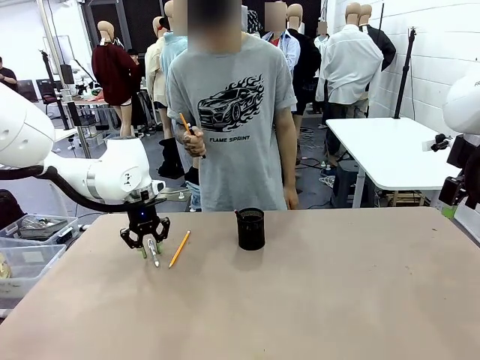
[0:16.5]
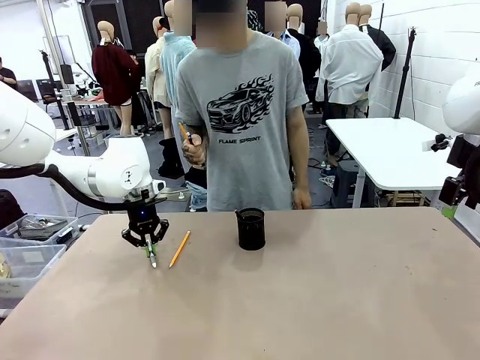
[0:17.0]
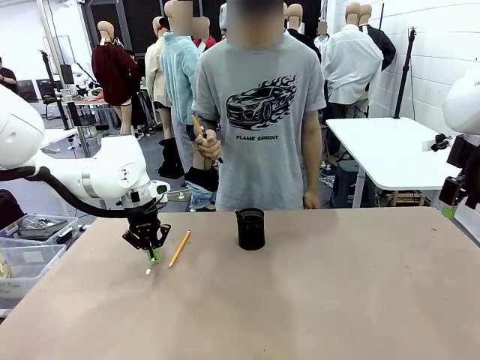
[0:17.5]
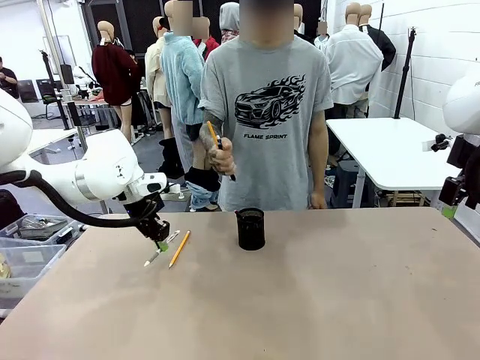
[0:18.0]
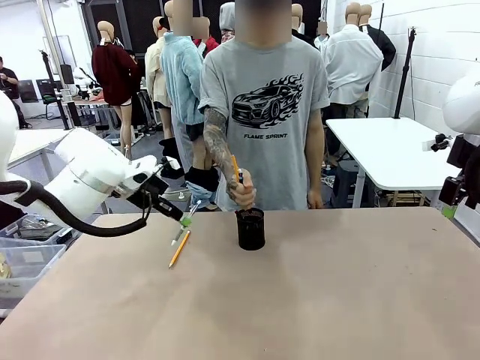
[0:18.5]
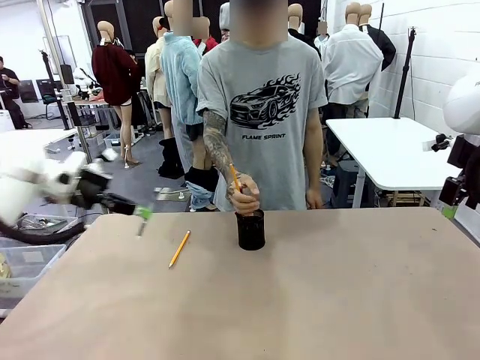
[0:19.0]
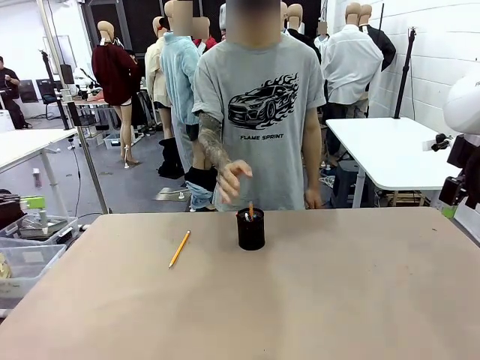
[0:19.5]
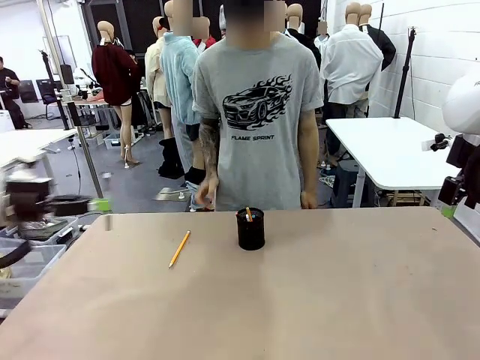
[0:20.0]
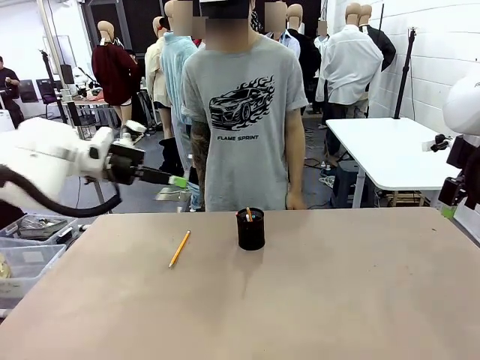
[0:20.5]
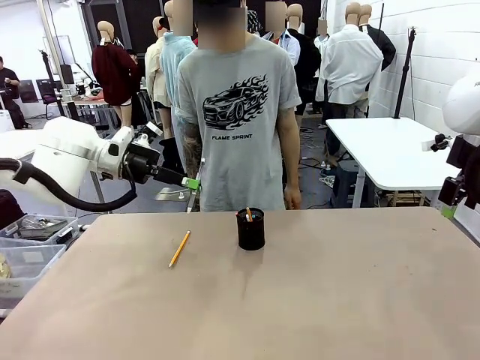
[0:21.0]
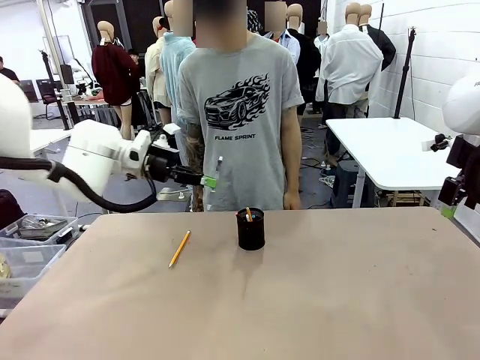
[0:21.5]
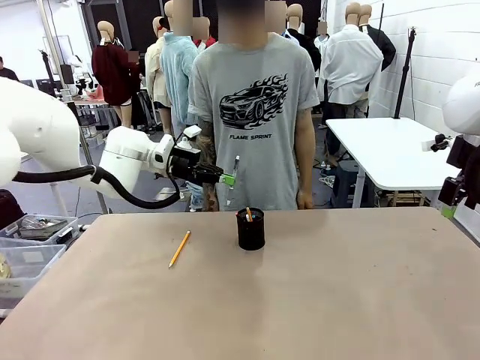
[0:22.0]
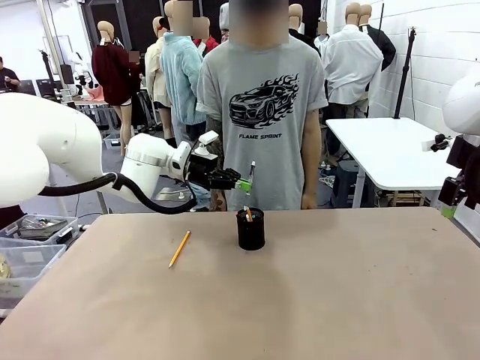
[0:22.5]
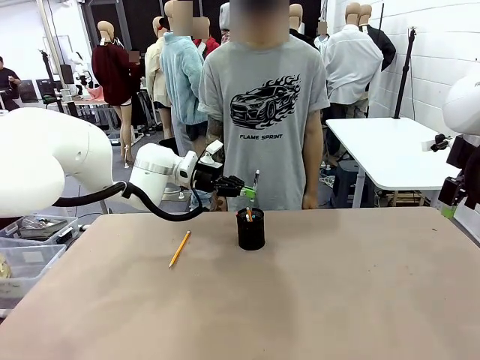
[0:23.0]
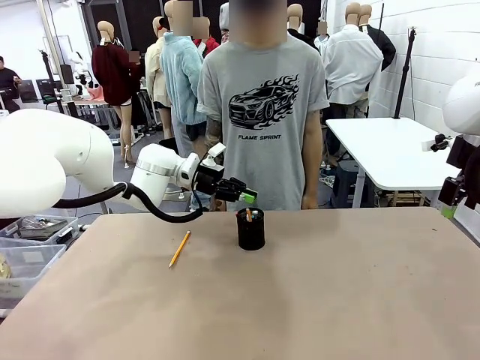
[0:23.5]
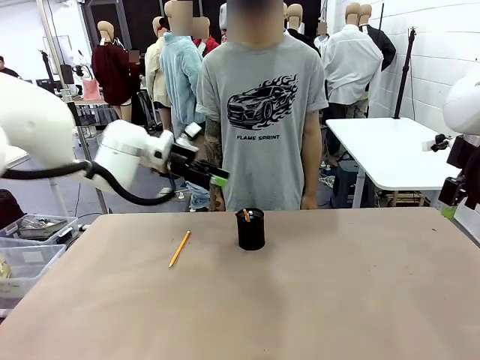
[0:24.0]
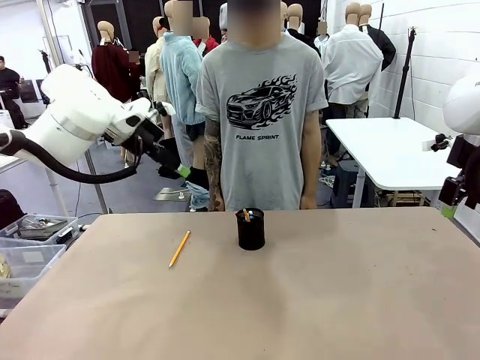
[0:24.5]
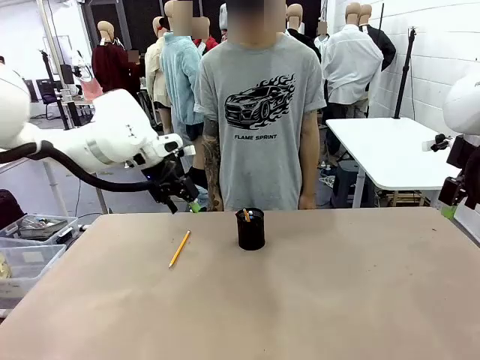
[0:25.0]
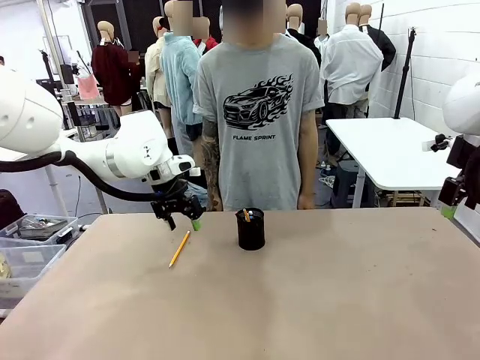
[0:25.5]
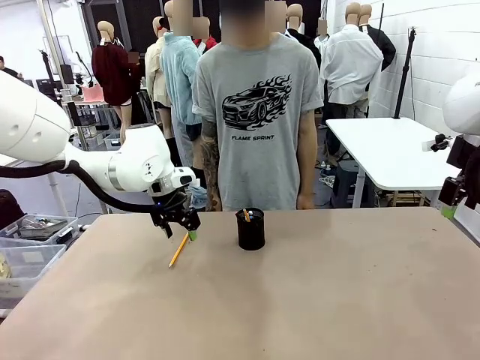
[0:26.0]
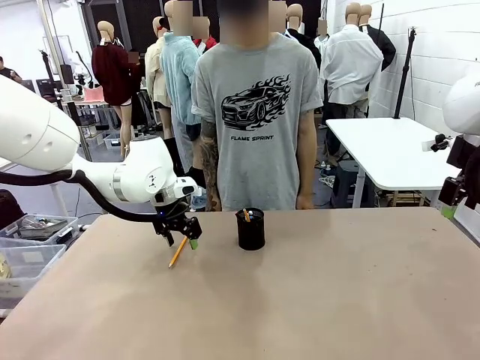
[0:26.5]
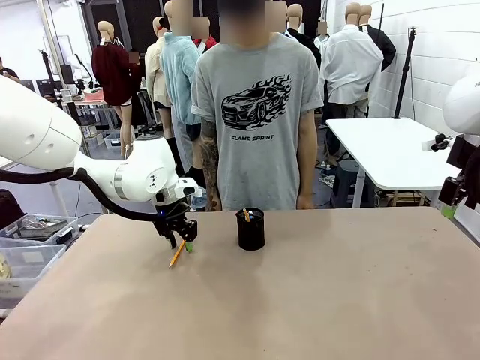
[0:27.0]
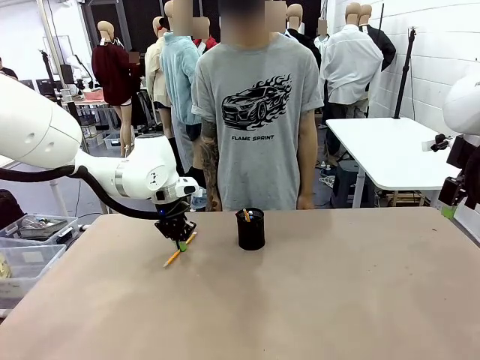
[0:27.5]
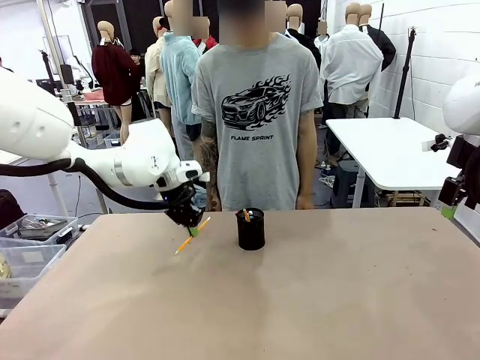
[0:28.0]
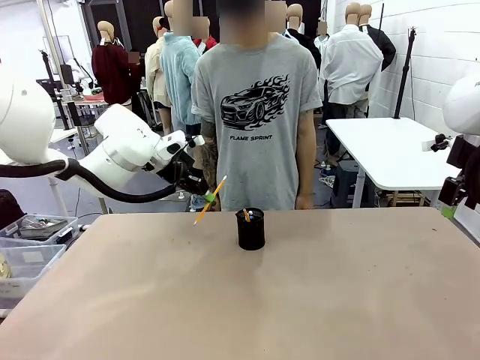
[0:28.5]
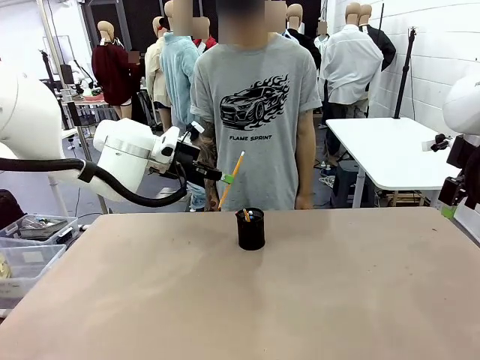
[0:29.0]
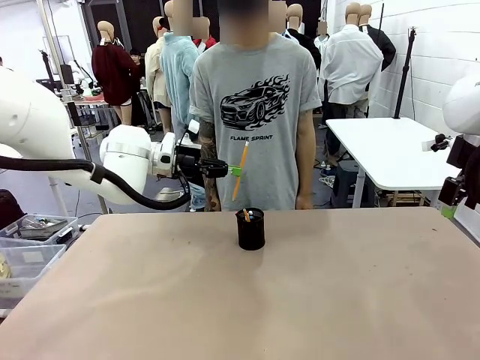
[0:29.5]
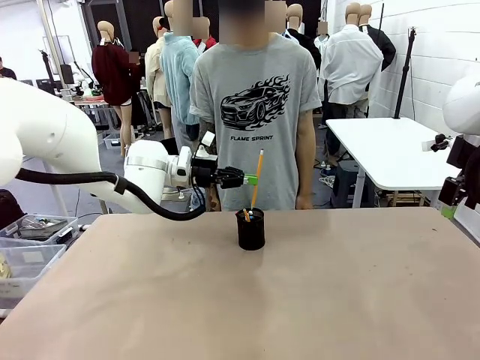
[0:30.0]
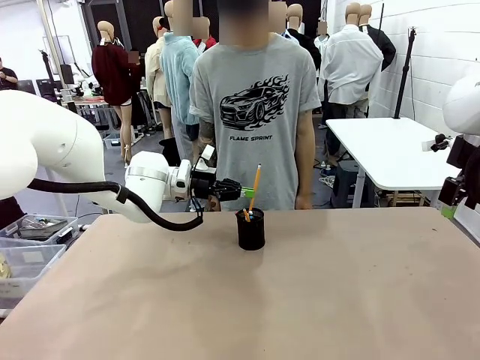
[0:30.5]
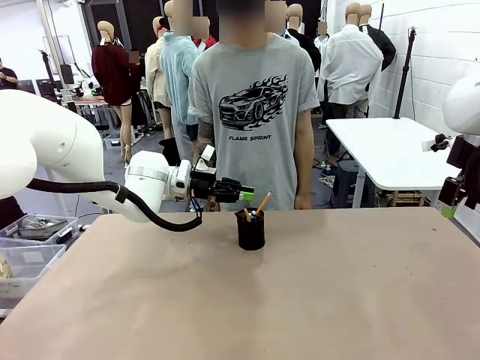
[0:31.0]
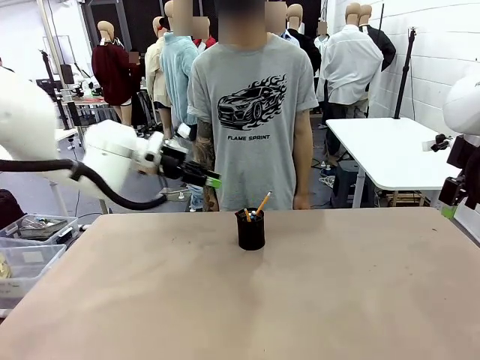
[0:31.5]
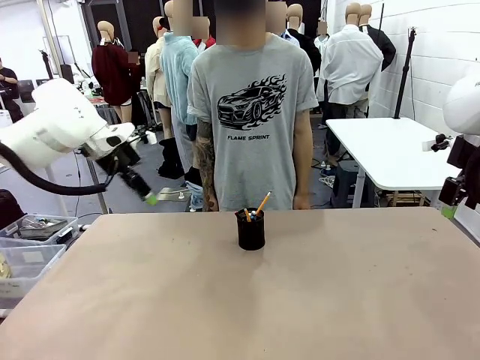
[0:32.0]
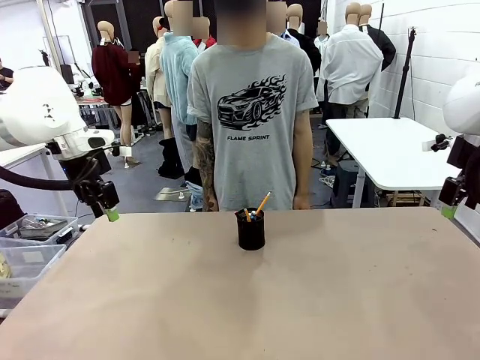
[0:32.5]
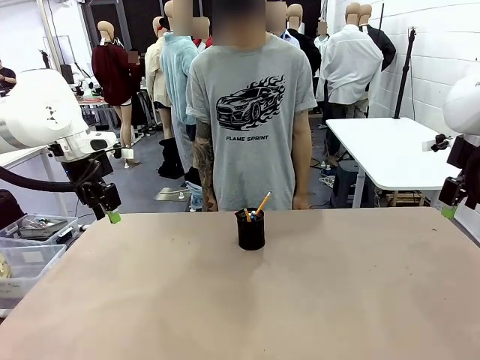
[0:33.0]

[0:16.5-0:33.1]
Task: Place the pens into the pen holder.
Robot: Pick up a writing instrument from the table and place it into the Pen holder.
Person: Place all writing instrument into the Pen holder.

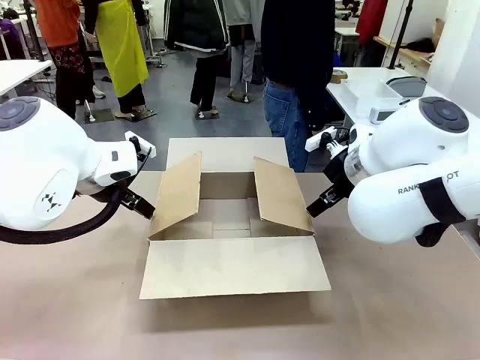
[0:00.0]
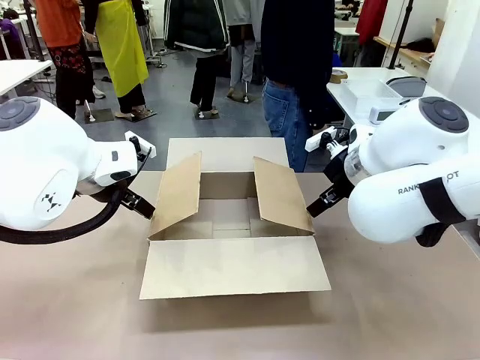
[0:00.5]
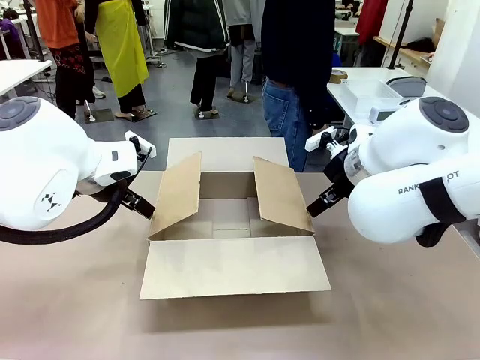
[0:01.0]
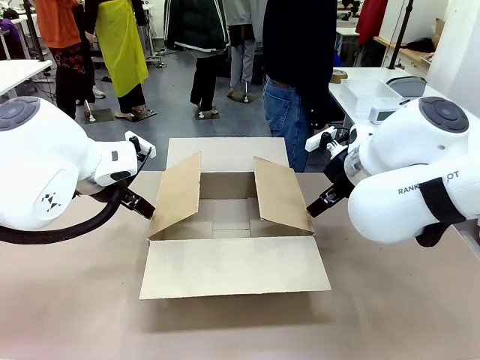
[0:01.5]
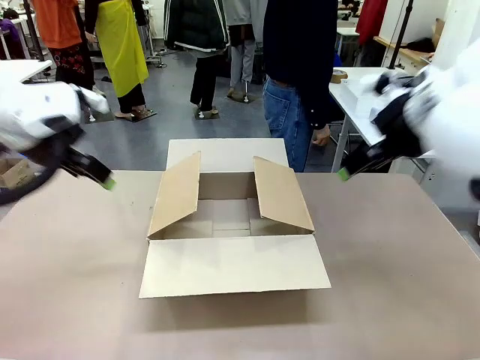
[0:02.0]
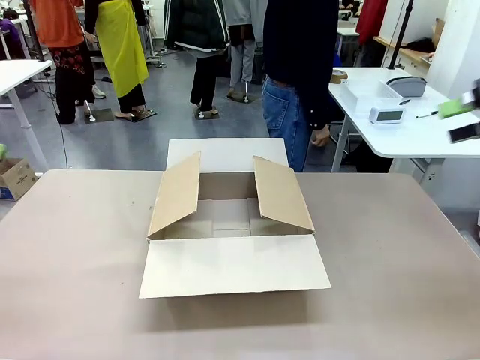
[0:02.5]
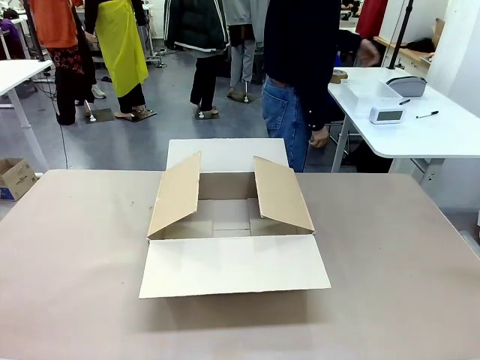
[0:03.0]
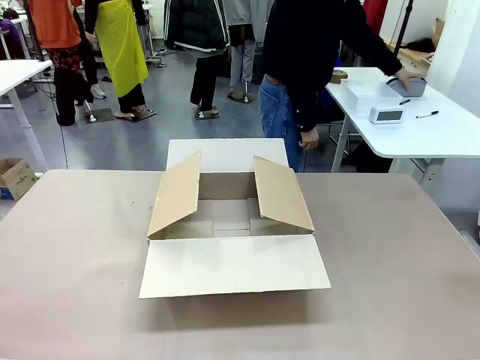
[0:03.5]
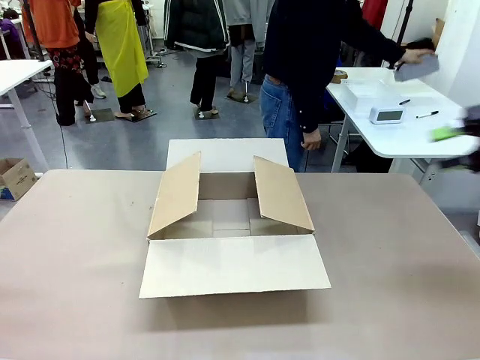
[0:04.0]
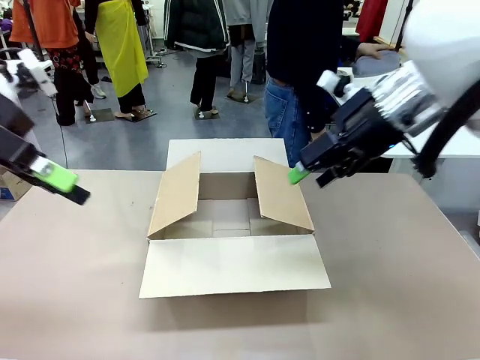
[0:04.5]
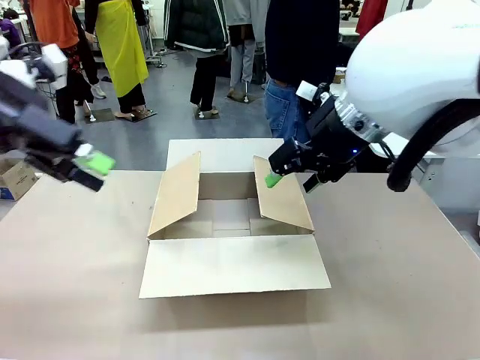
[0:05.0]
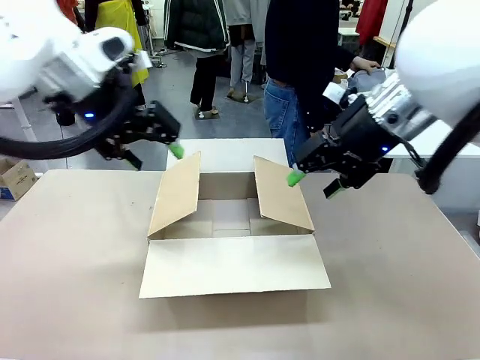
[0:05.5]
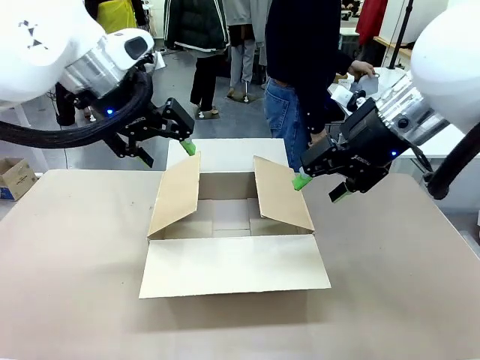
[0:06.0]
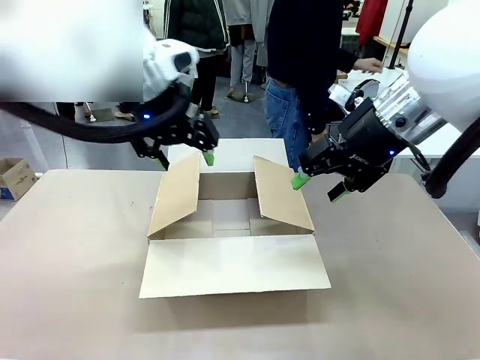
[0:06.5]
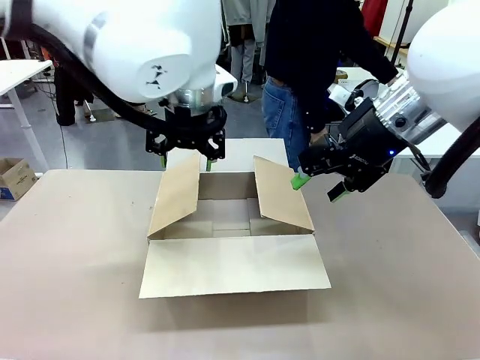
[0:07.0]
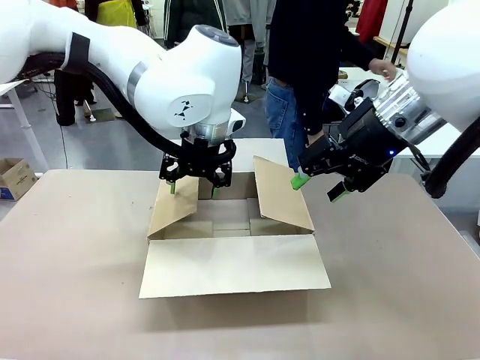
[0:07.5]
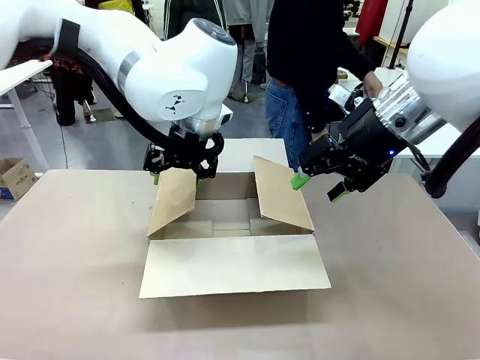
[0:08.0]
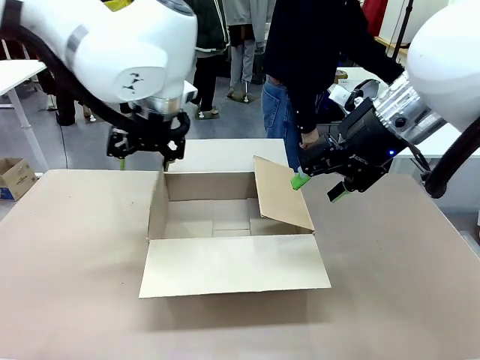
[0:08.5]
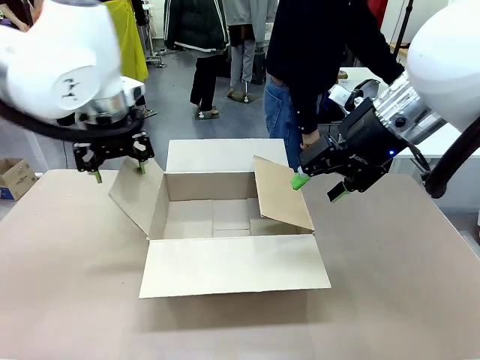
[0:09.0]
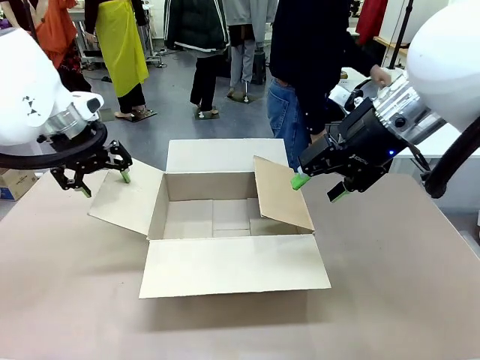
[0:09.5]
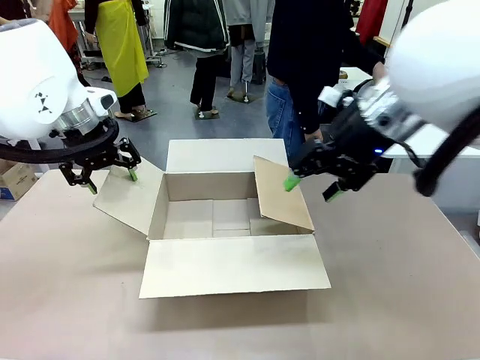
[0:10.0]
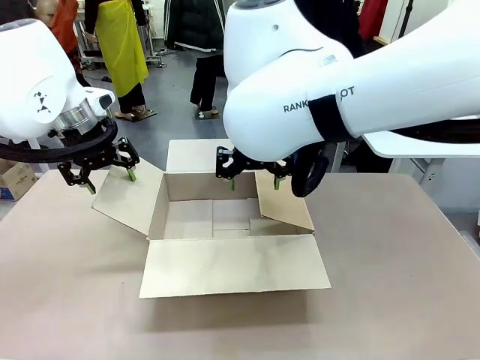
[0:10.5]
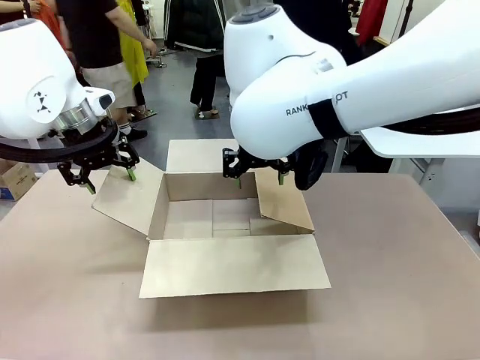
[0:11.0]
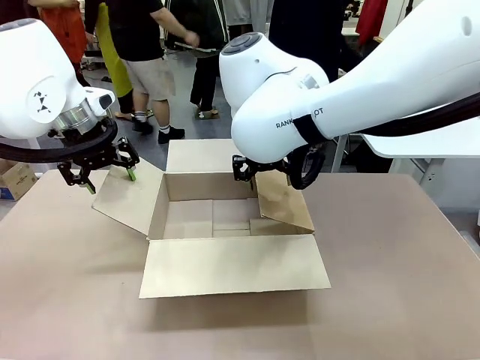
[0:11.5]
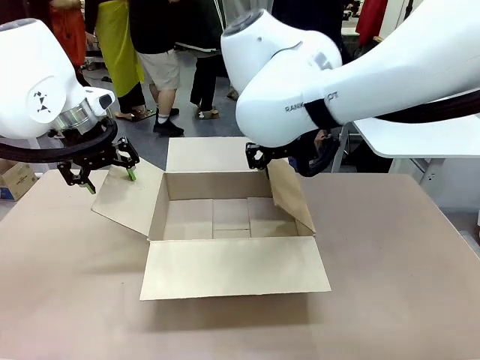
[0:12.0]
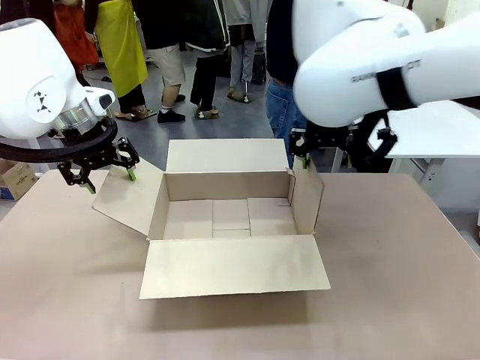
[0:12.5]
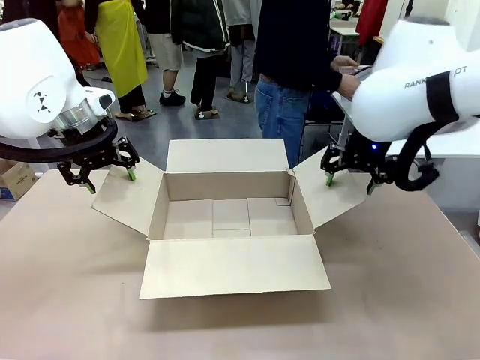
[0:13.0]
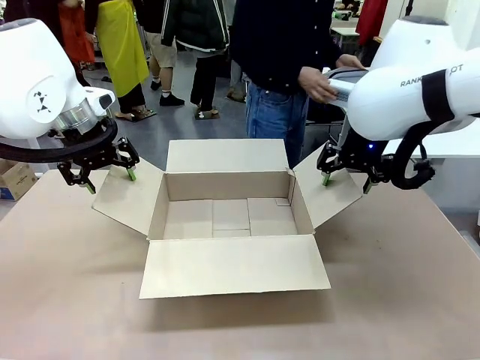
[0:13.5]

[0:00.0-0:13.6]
Task: Pack the gift set into the box.
Robot: Place both hands on the side flaps of the Package Box and spread them outward.
Person: The human places all items except the paper tape into the organizing basket.
